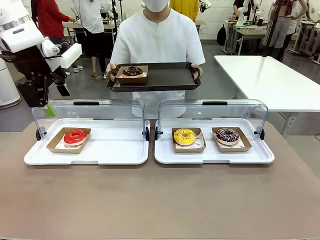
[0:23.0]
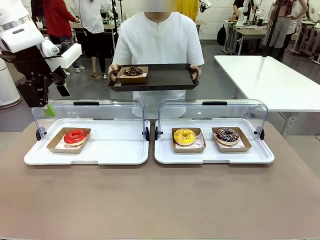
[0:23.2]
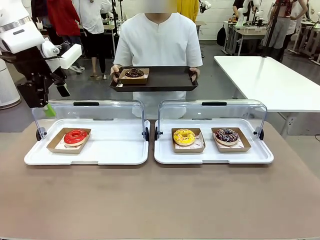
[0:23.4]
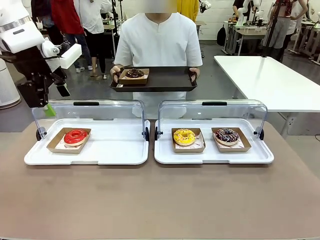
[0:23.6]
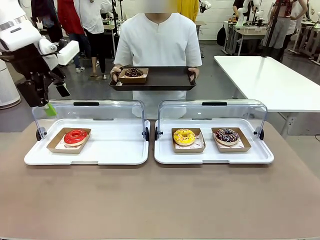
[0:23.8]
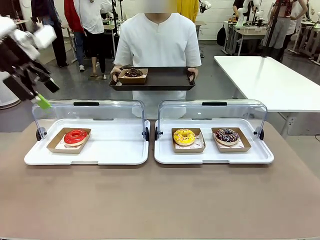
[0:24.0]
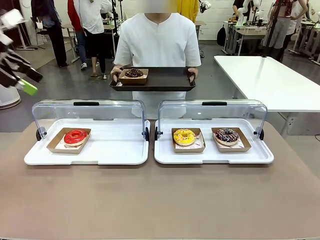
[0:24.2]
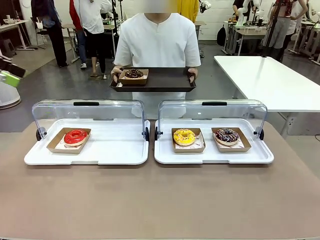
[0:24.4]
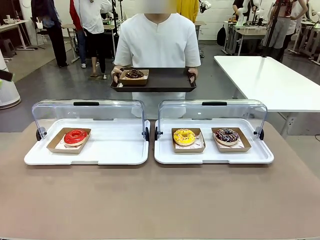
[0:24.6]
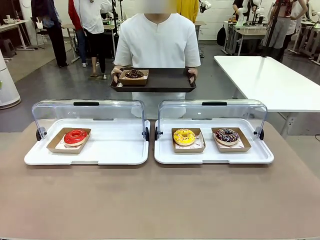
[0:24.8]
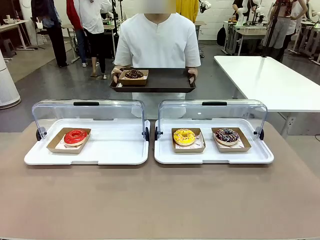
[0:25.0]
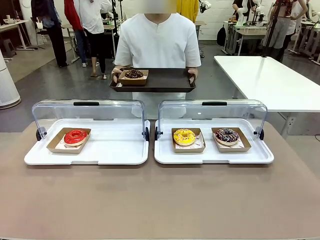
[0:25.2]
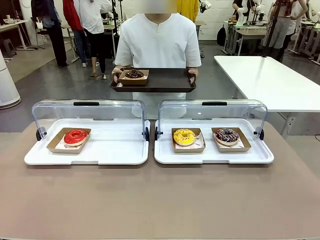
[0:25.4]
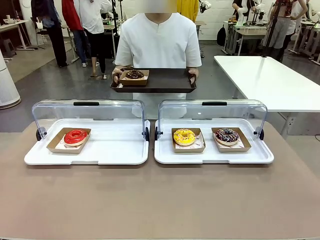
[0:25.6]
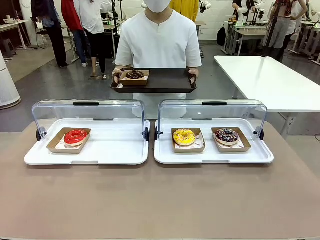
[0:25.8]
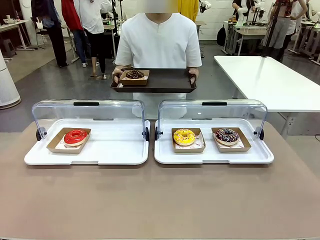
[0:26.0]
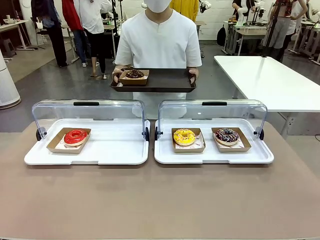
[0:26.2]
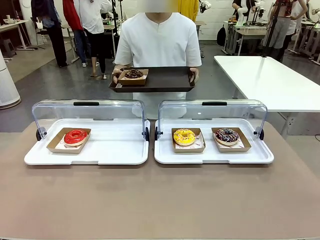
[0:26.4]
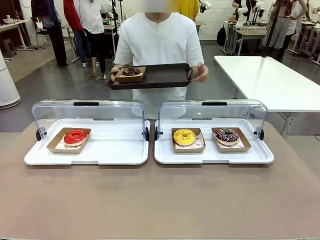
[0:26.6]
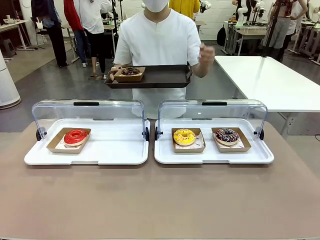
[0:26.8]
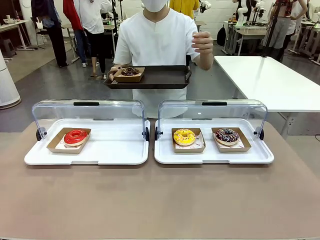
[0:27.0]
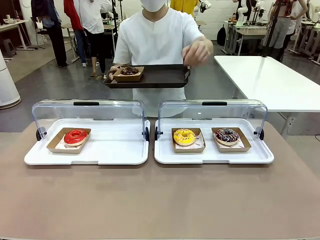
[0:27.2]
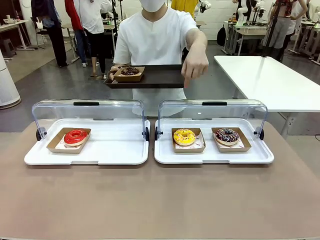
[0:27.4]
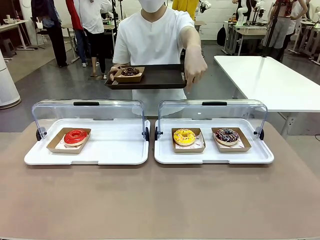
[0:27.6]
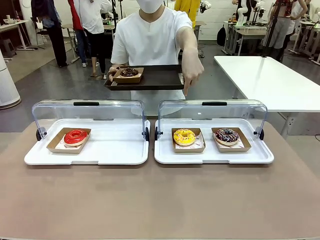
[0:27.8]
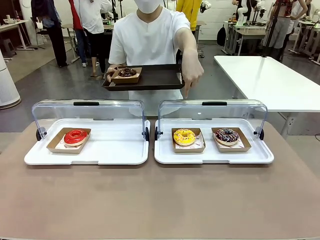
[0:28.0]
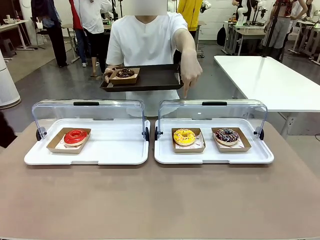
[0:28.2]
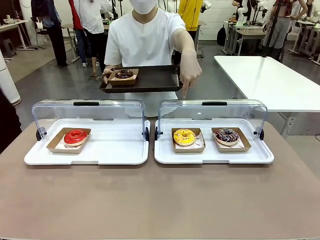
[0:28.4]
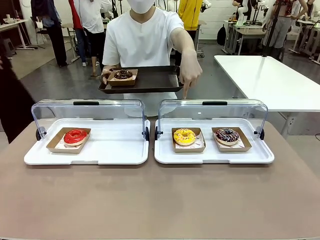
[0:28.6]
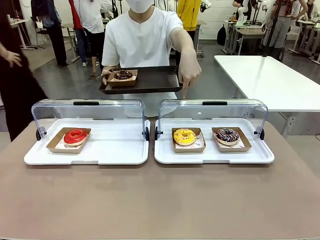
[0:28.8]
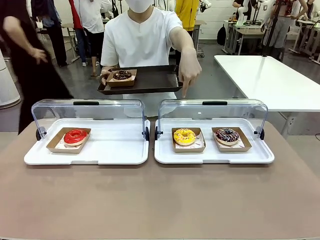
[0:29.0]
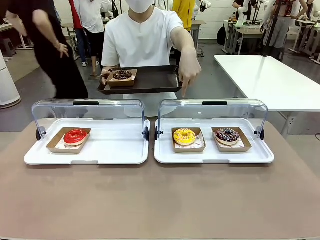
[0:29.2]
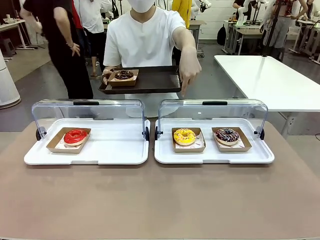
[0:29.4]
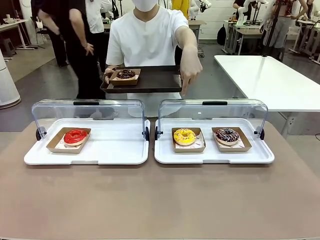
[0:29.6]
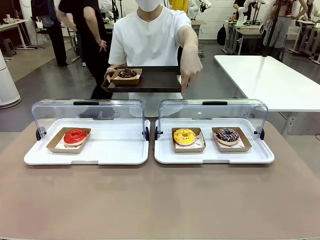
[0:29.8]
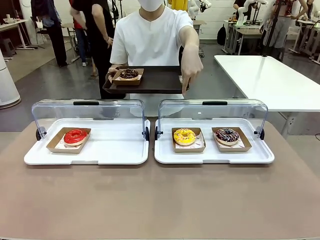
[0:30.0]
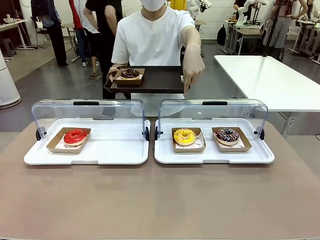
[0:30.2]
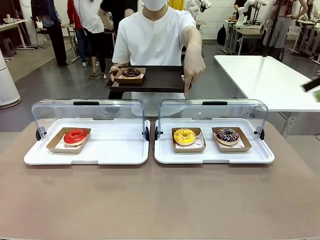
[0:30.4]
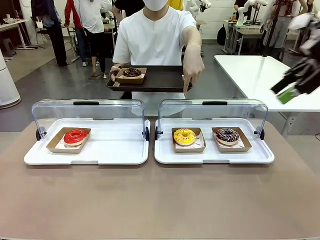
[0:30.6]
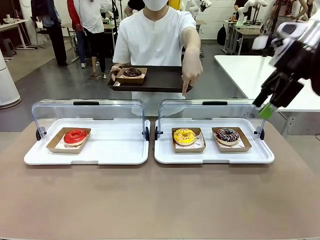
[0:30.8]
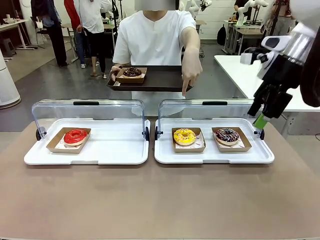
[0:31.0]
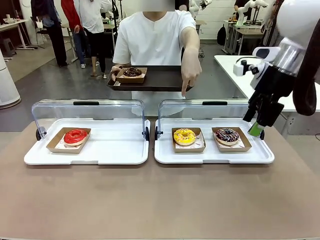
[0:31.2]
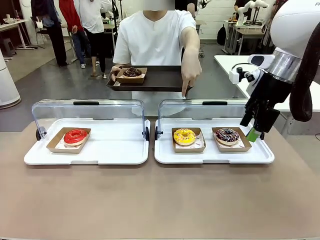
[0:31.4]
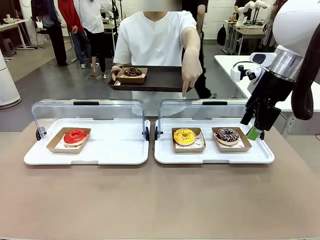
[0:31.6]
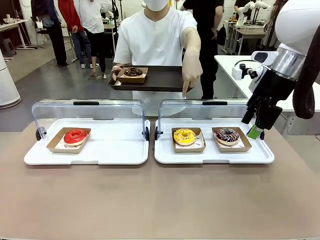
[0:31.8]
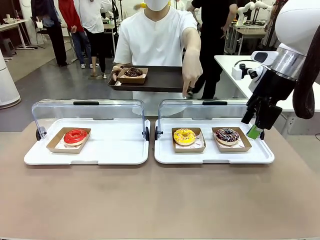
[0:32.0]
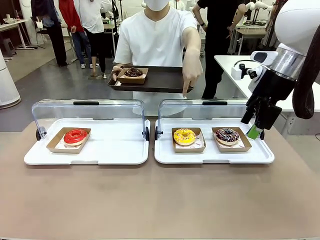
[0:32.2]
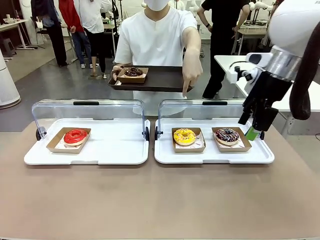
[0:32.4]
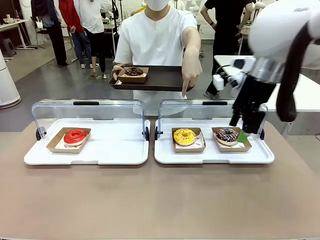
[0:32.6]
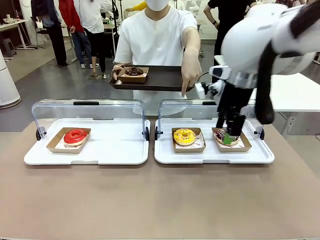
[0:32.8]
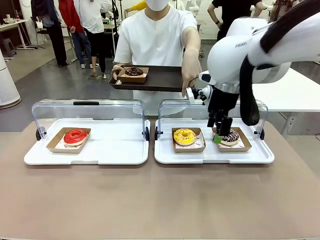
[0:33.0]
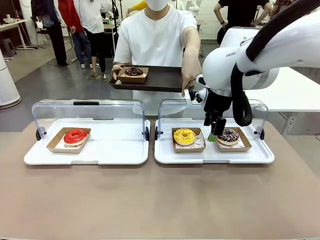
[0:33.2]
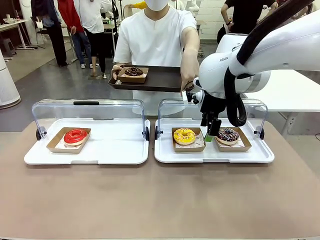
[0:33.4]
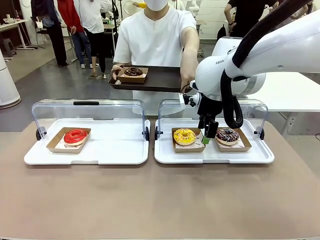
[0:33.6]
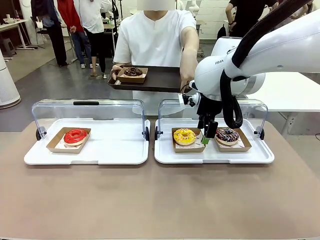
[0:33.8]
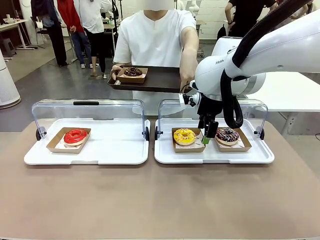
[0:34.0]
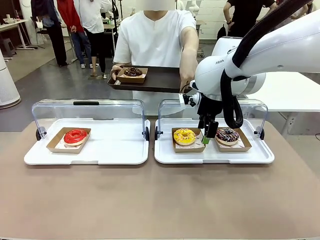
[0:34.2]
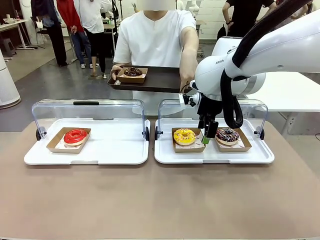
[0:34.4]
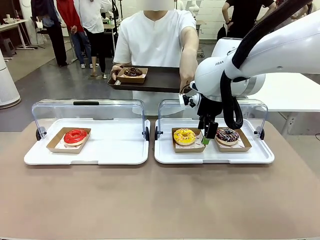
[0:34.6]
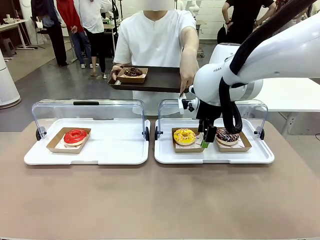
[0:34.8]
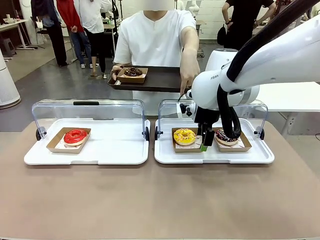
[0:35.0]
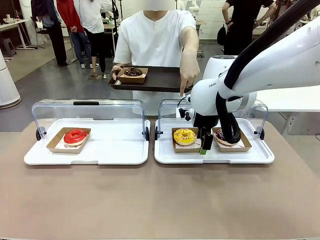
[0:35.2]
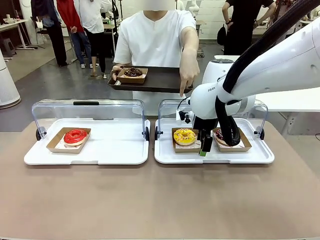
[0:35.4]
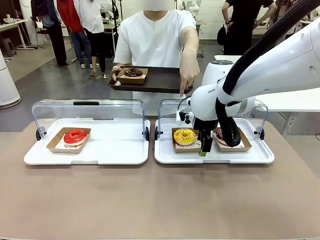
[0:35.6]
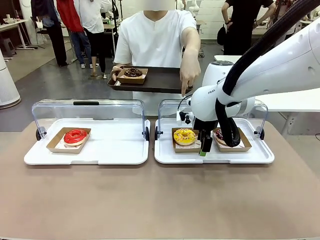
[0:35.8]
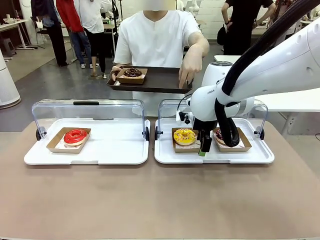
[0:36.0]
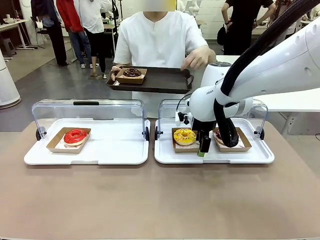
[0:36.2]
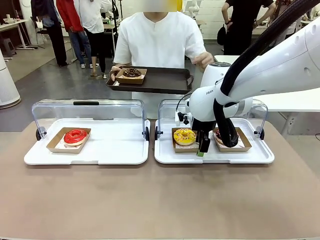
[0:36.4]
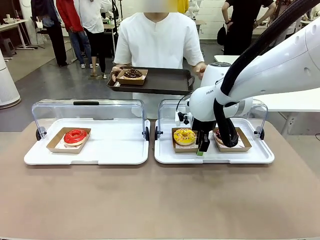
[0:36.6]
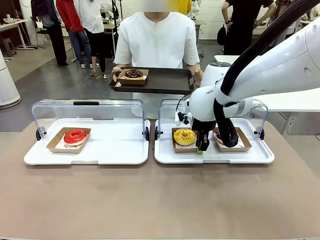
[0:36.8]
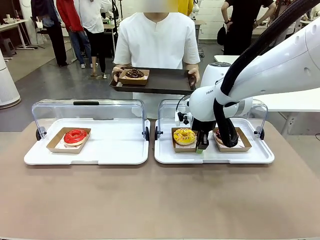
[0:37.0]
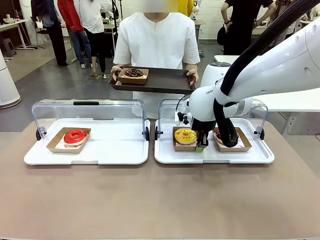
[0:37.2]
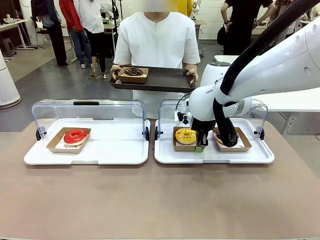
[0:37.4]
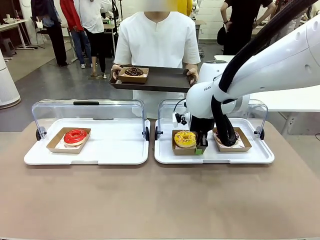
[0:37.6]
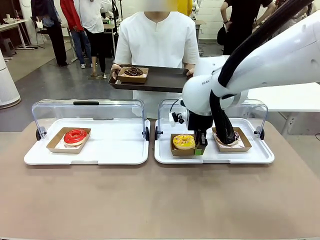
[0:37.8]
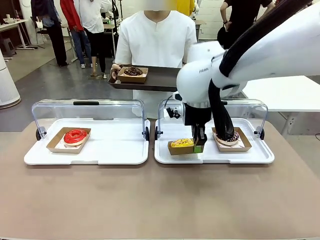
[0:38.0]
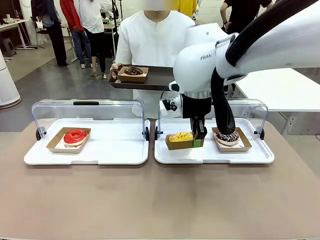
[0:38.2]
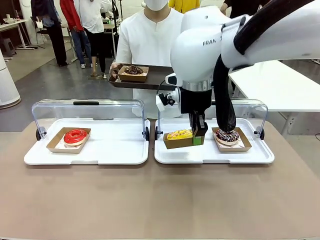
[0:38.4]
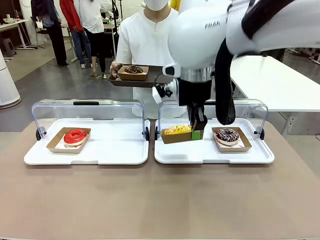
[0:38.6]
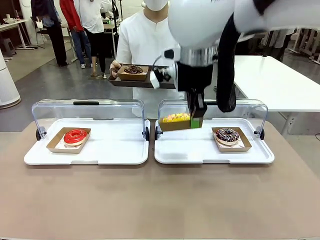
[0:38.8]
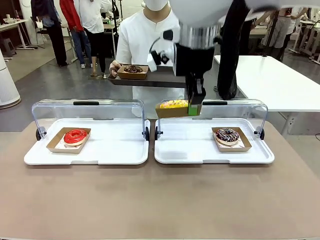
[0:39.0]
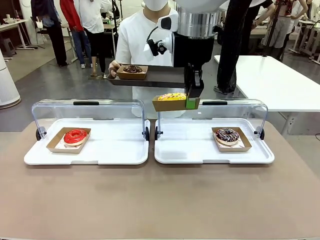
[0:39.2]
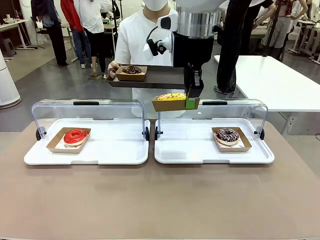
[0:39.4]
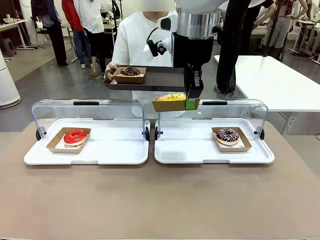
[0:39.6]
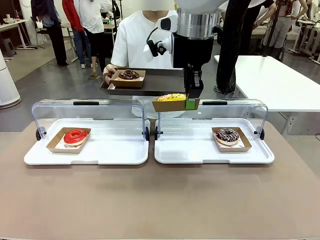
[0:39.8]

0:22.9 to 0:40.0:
Task: Provide the desired donut to the person.
Robot: Pick up and lift the Paper togo box containing the Donut pointed at by the person.
Person: Point to one donut. Lift the tray onto the Roll-Top Bakery Case.

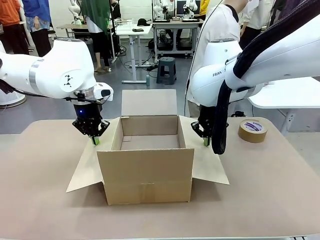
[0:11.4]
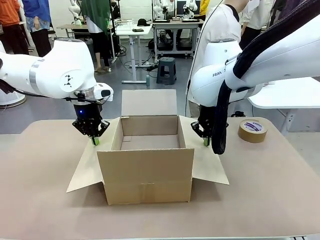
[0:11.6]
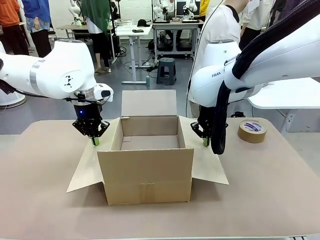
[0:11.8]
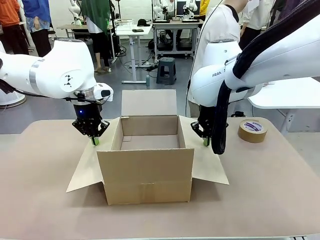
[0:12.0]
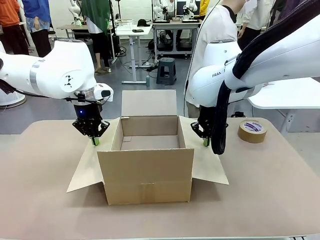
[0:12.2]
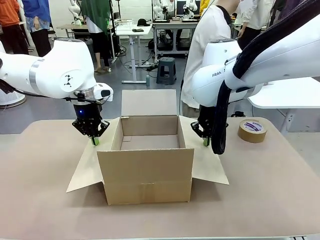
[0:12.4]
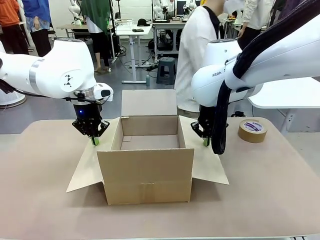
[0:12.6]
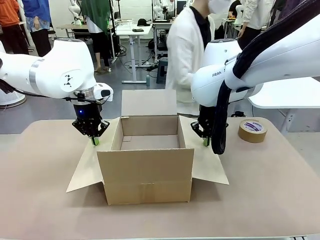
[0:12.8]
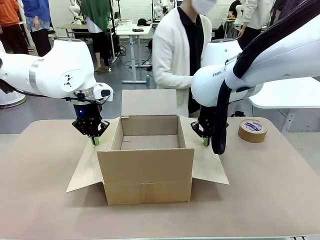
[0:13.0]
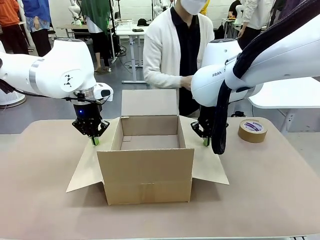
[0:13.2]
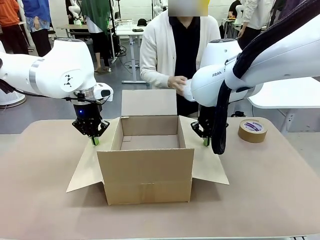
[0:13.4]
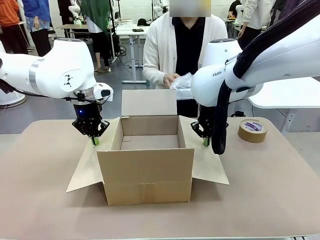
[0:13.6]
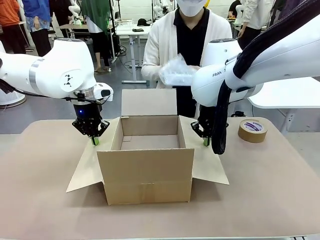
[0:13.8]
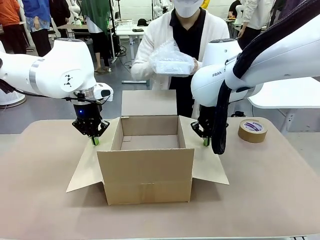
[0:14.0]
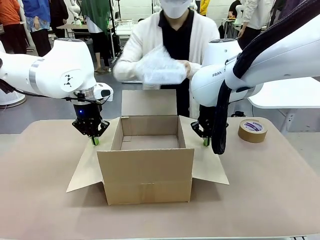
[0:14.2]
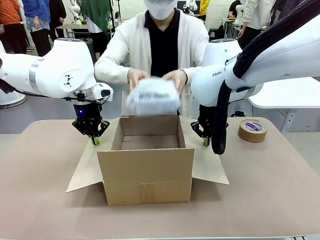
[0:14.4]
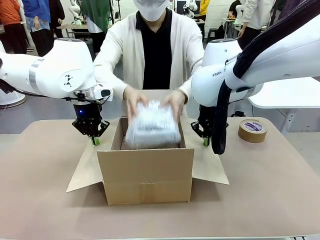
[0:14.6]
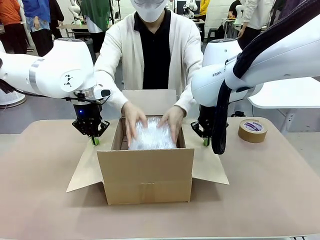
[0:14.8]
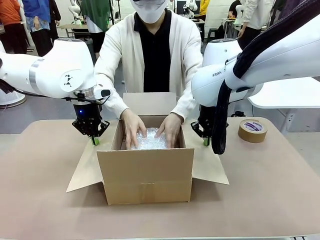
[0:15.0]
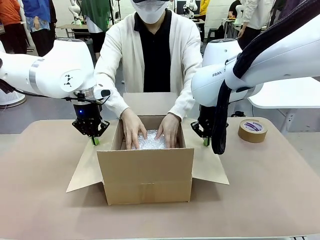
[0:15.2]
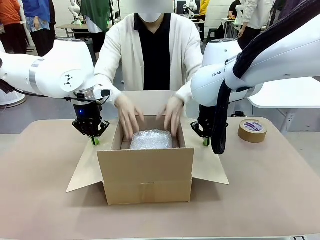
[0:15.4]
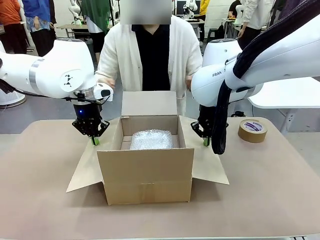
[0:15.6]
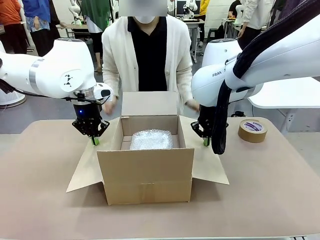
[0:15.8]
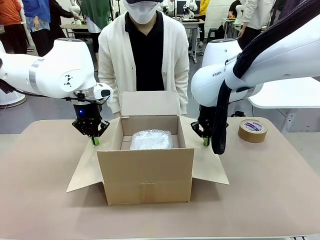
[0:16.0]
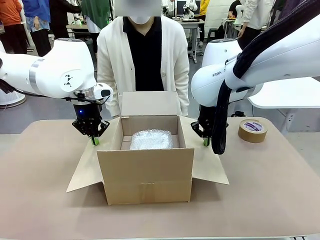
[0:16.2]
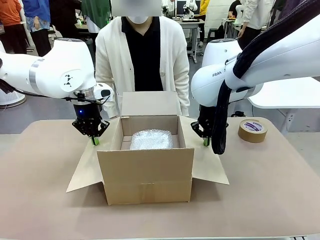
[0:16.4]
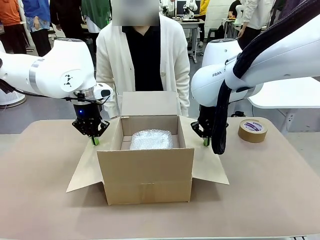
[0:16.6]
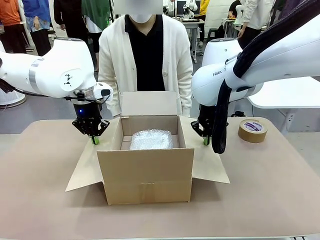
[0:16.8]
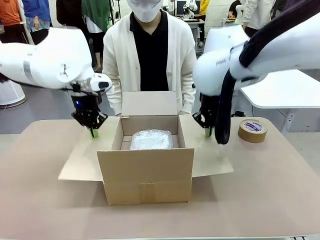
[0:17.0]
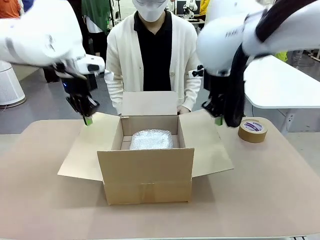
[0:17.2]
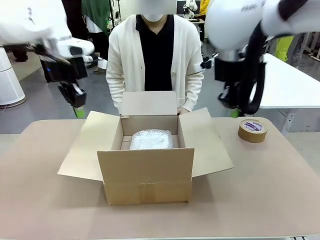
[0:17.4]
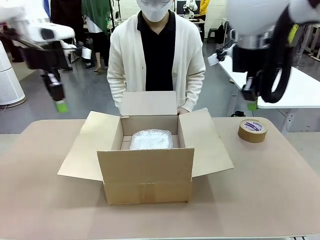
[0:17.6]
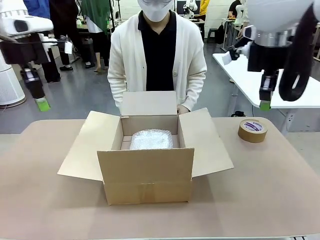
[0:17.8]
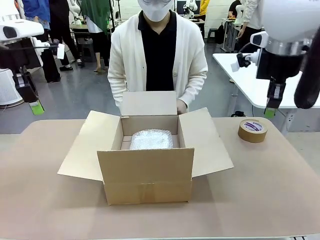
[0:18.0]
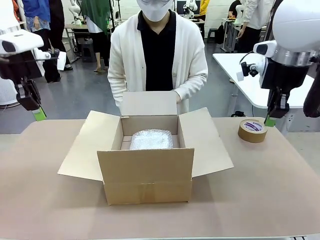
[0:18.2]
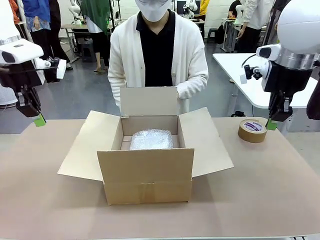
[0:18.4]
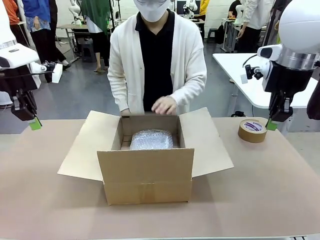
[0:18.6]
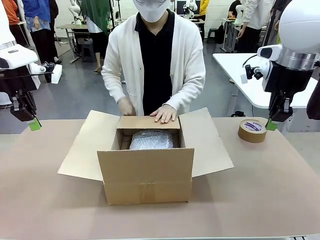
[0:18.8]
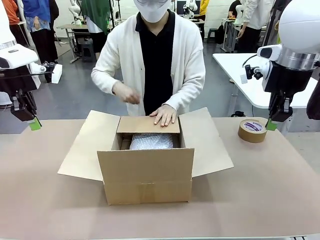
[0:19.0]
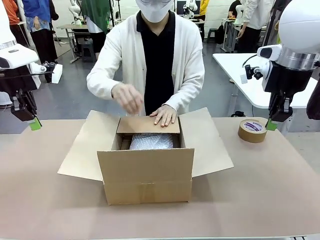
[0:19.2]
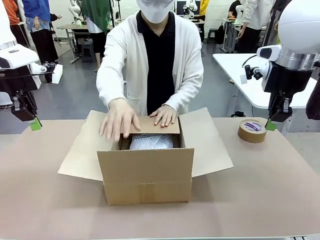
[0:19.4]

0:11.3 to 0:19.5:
Task: Wrap the clocks to prevent damage.
Robot: Once the human has placed the objects inside and stepped back, release both hands from the side flaps of the Package Box.
Person: Place the wrapped Digital clocks inside the Package Box. Hold the top and bottom flaps of the Package Box closed with your left (or right) hand.
